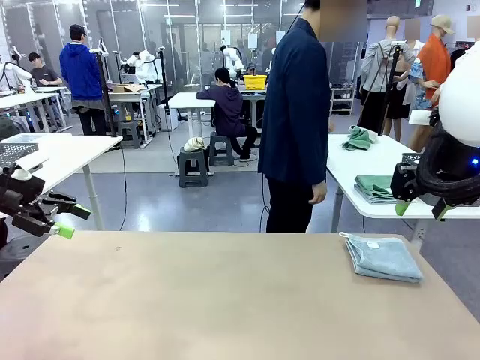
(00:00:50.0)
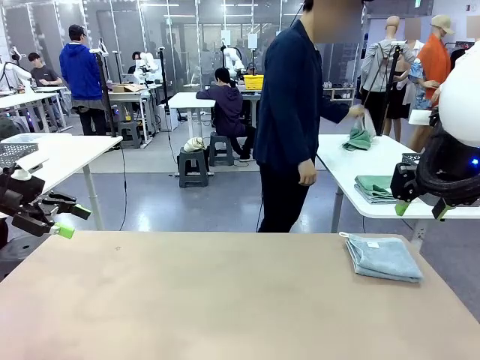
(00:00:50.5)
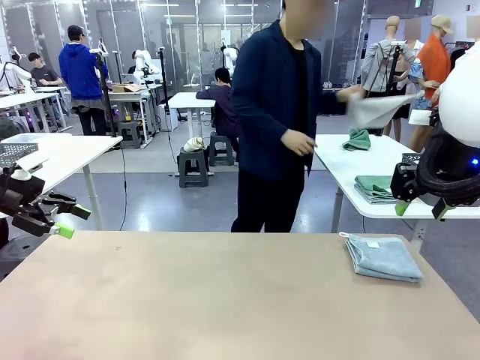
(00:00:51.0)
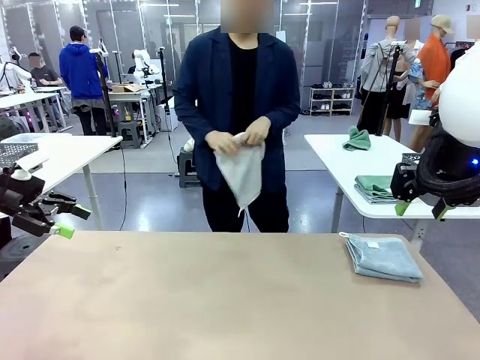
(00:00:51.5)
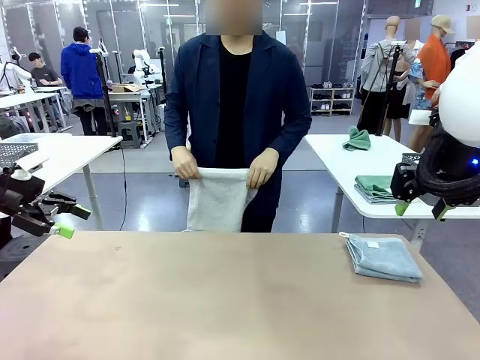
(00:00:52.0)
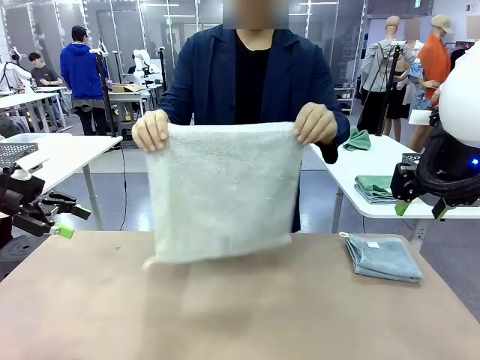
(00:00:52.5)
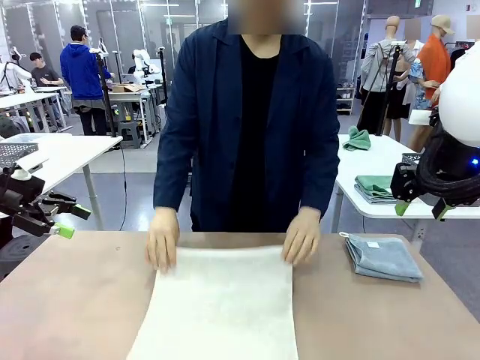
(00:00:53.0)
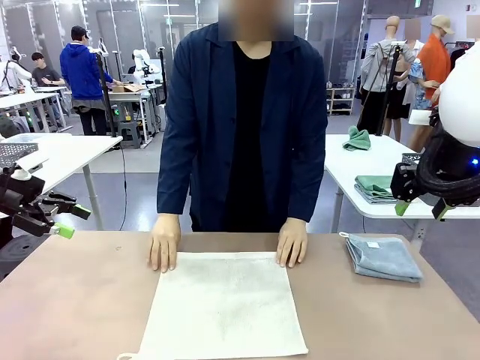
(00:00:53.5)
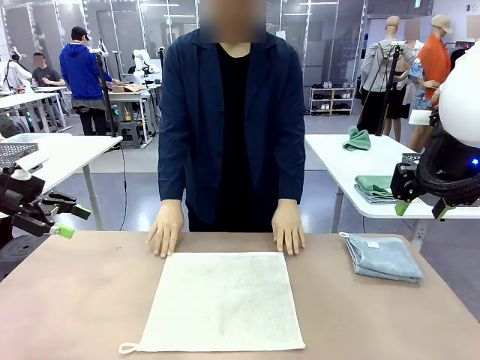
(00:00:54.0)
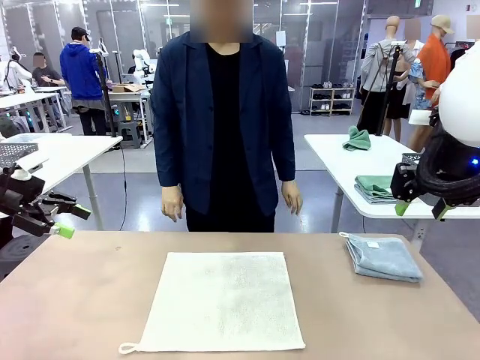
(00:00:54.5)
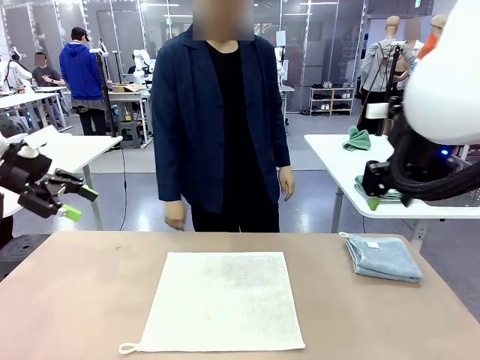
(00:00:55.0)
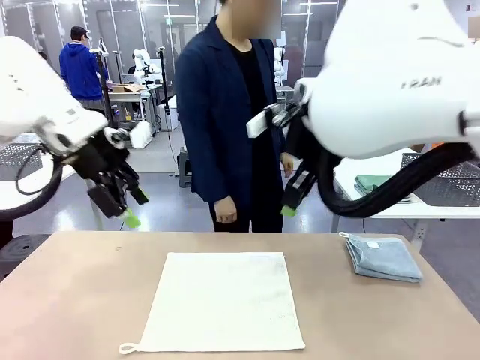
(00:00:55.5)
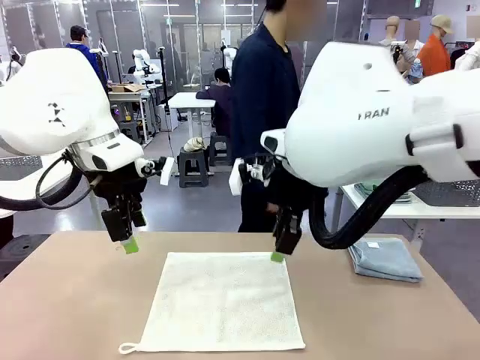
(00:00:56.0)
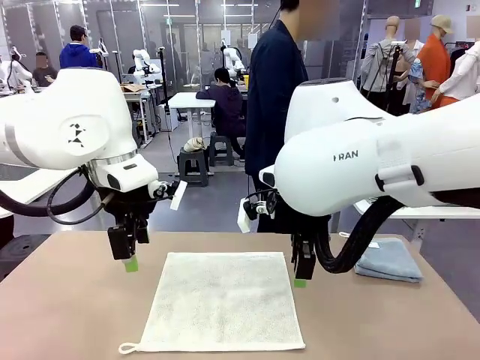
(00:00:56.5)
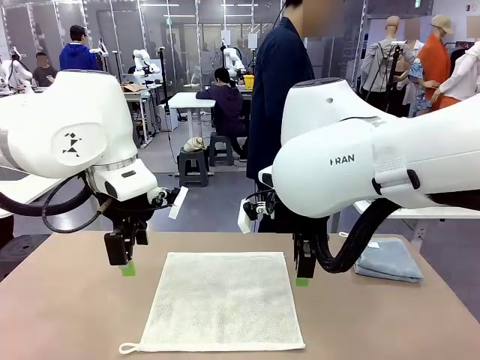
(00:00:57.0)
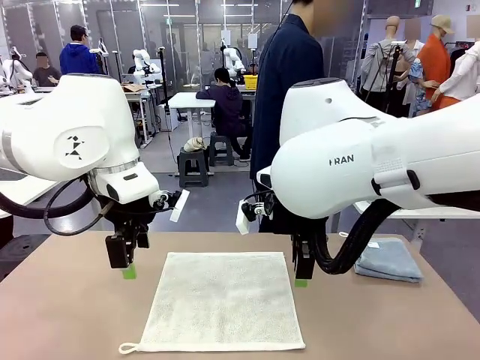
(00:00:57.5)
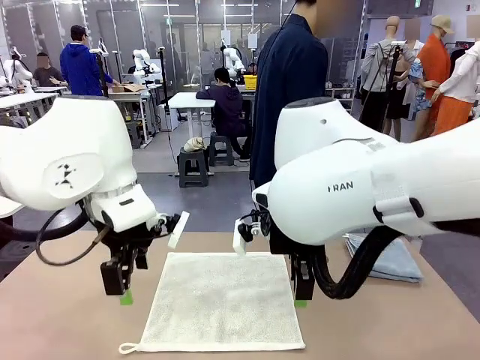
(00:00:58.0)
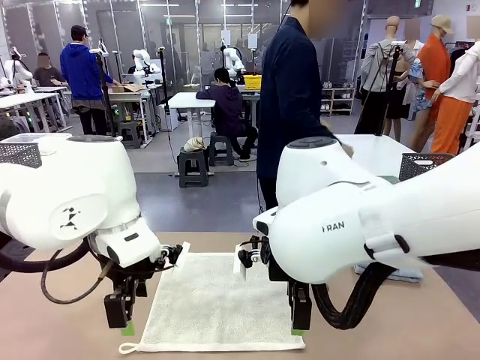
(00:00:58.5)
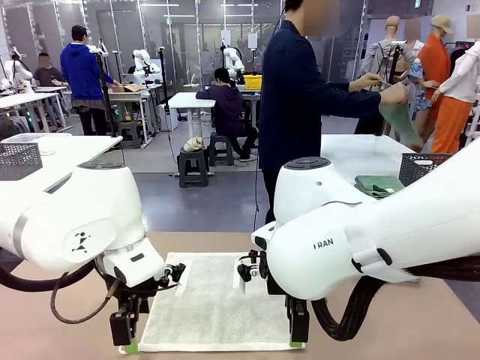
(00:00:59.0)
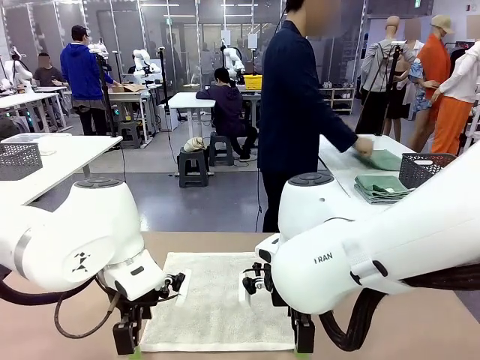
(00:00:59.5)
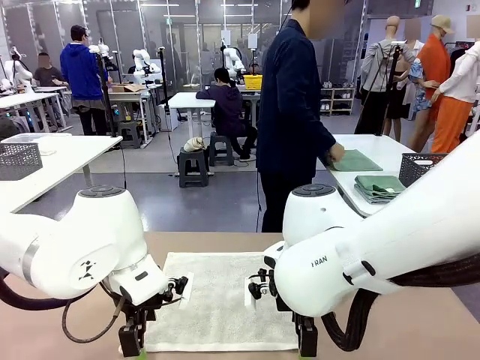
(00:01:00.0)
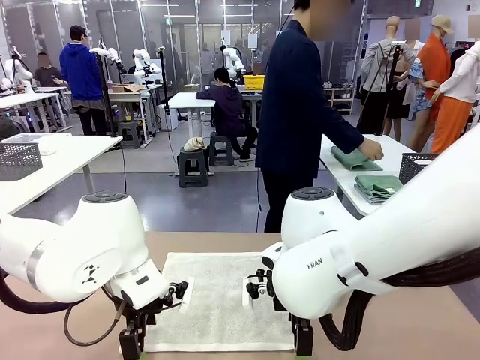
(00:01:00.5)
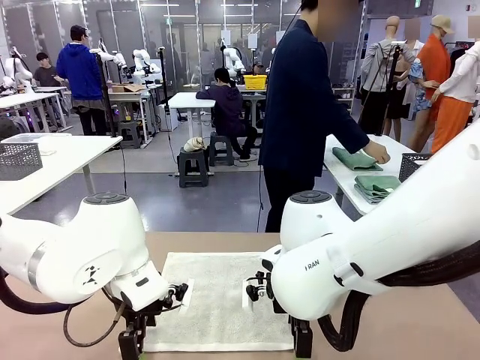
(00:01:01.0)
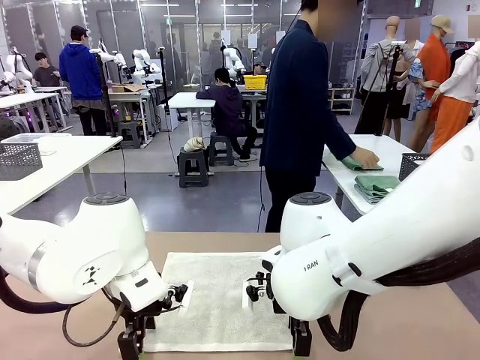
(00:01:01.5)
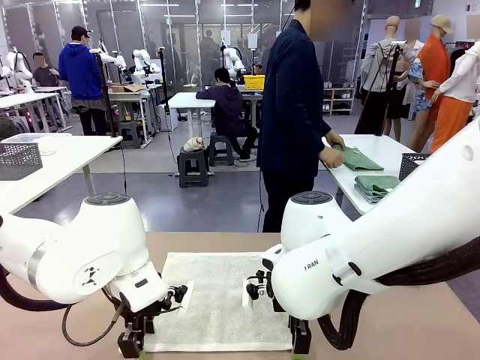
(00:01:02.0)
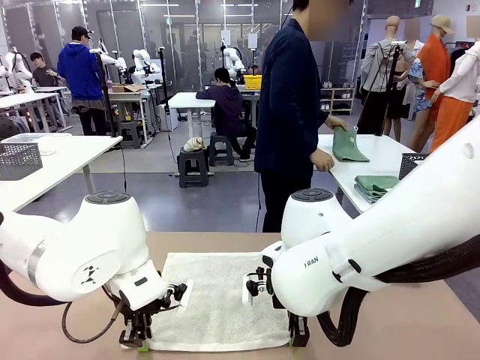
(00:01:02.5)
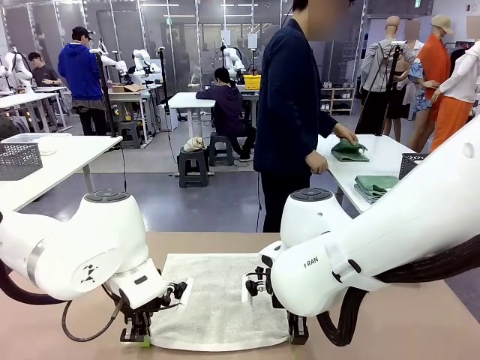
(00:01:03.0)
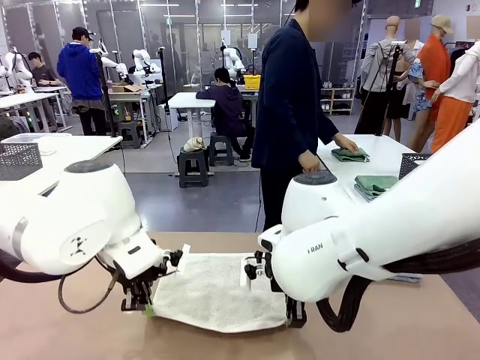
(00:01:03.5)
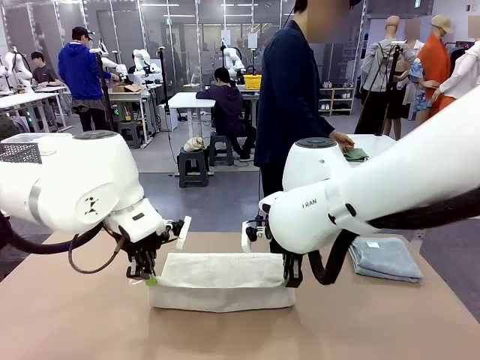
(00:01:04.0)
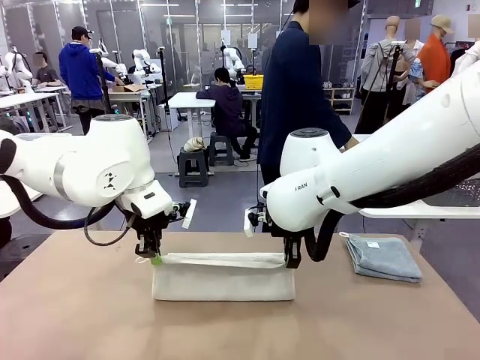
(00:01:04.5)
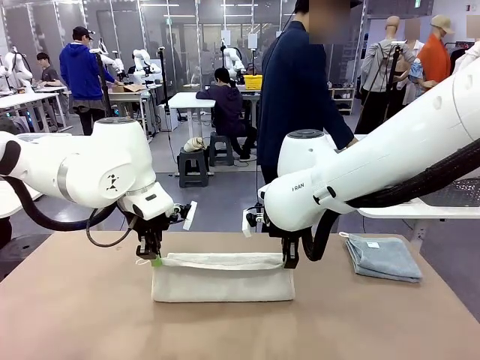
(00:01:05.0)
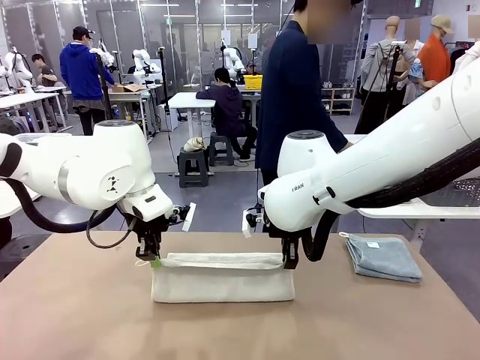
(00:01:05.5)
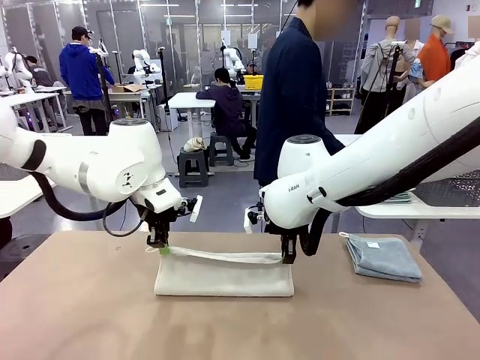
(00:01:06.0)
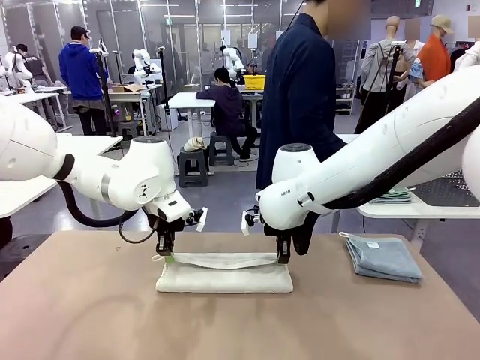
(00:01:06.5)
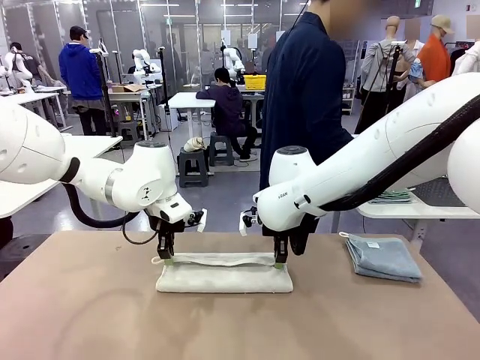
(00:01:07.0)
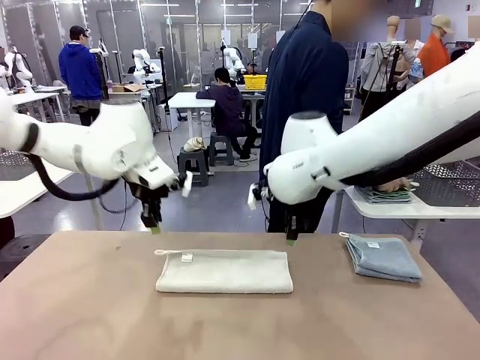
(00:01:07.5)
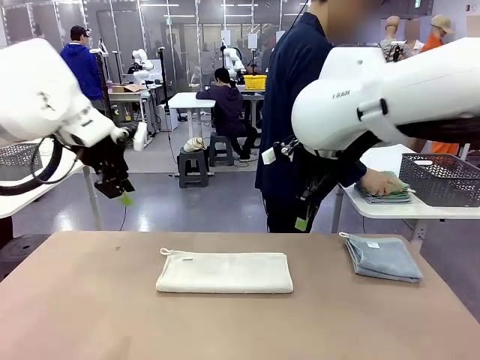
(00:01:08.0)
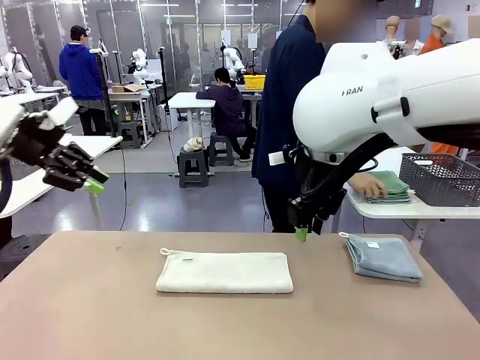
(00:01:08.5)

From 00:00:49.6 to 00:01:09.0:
Task: Fold the towels and place them in the basket.
Robot: When a person lays out a Towel with hook on the table, fold it in half twice.
Person: Pick up one towel from the left side of the human table and spread it out at the center of the robot table. Pick up one towel from the left side of the human table, fold it in half twice, and stack it on the right side of the table.

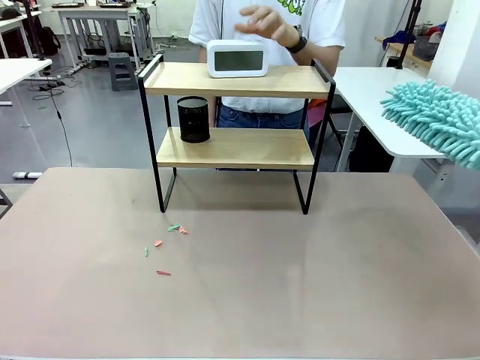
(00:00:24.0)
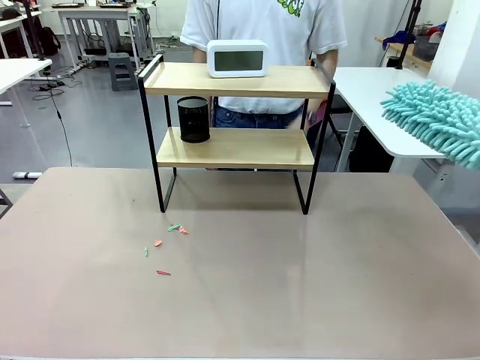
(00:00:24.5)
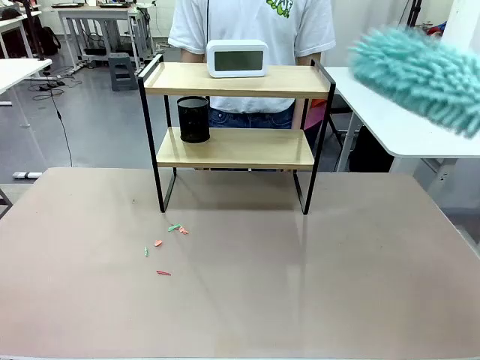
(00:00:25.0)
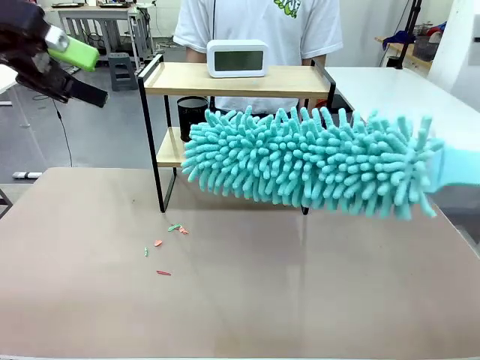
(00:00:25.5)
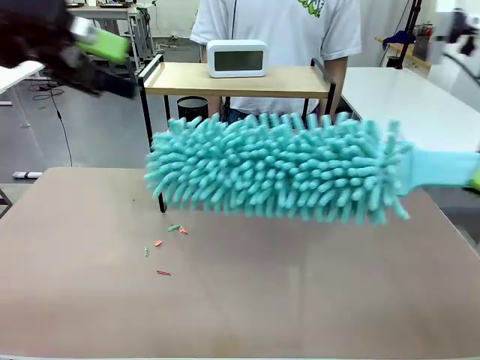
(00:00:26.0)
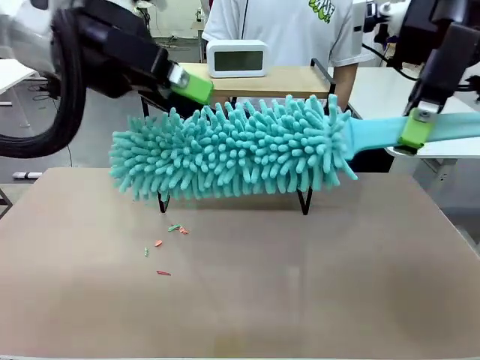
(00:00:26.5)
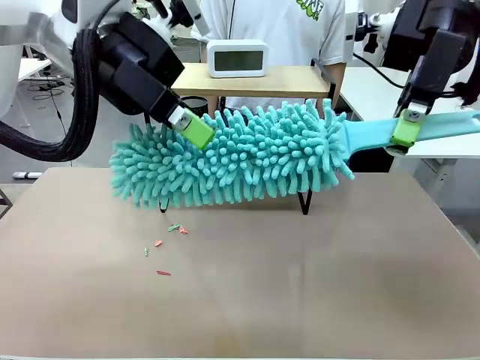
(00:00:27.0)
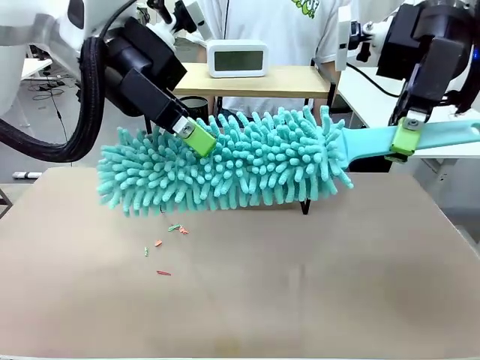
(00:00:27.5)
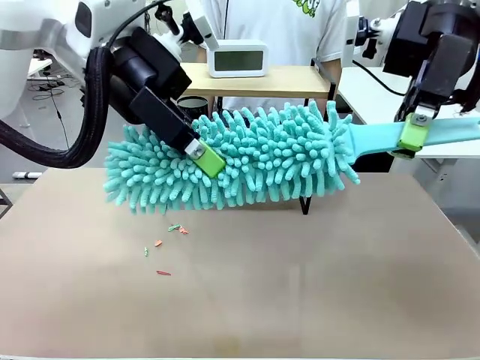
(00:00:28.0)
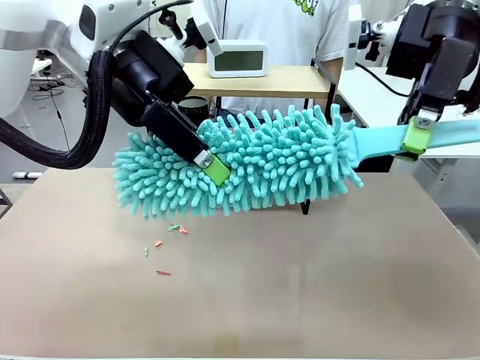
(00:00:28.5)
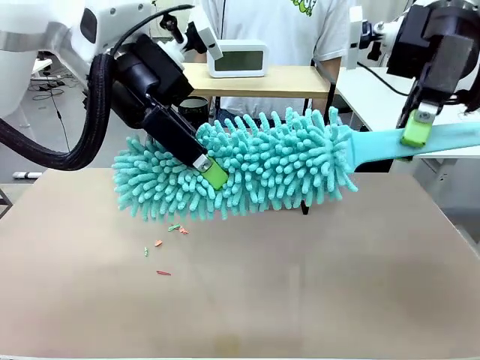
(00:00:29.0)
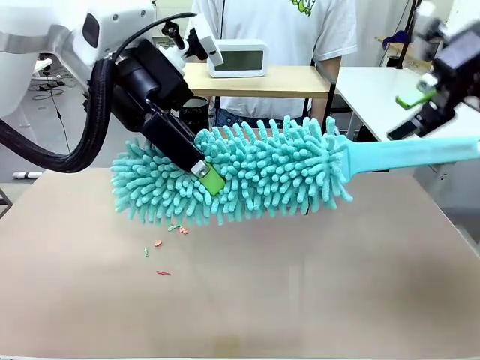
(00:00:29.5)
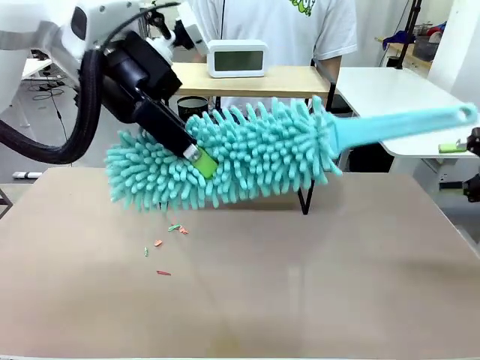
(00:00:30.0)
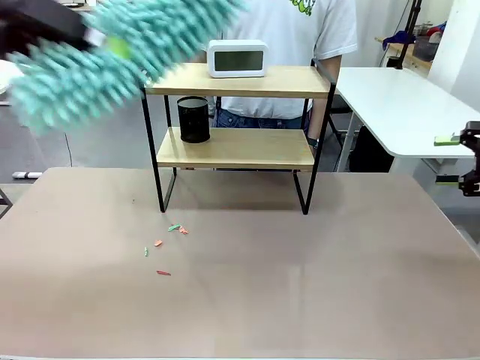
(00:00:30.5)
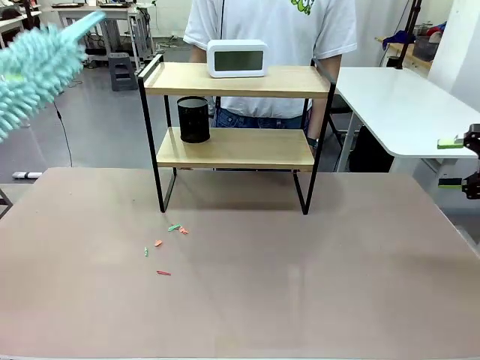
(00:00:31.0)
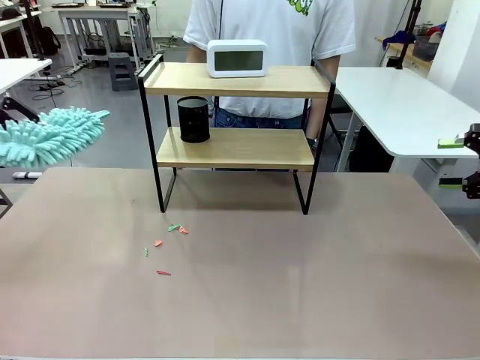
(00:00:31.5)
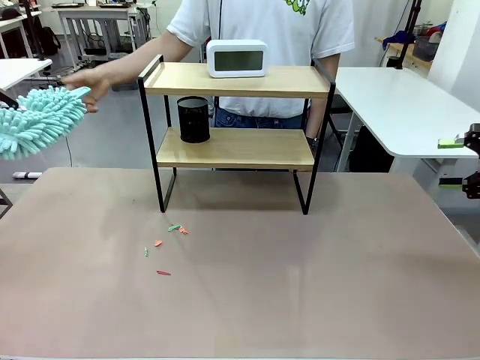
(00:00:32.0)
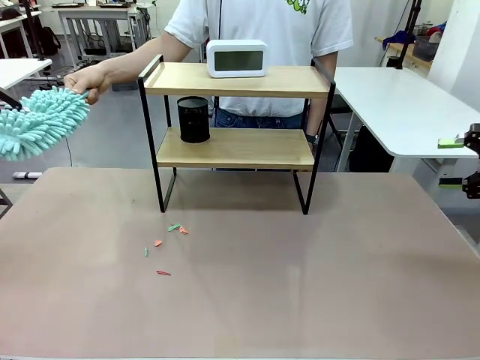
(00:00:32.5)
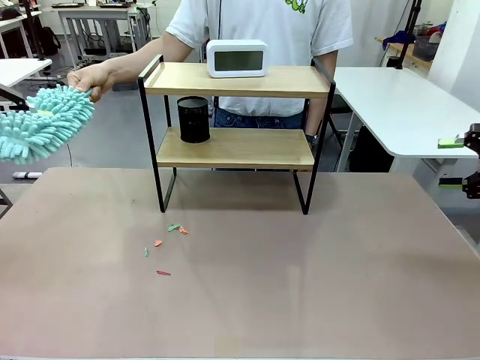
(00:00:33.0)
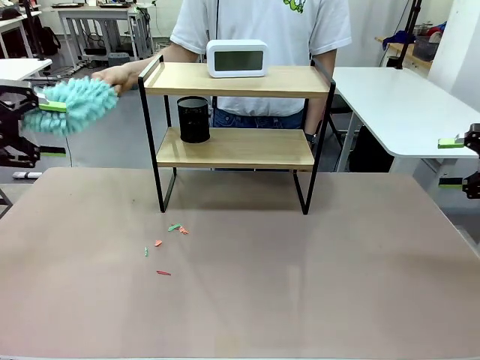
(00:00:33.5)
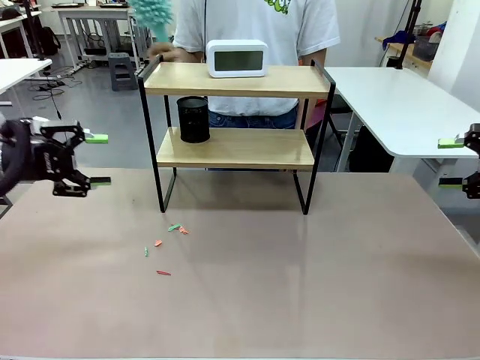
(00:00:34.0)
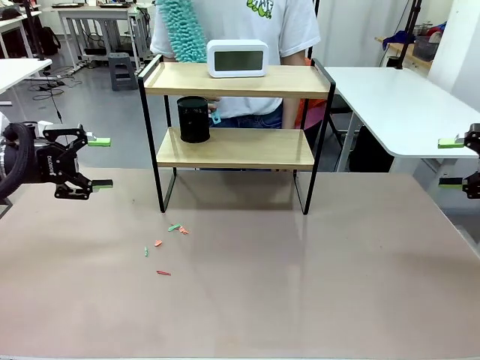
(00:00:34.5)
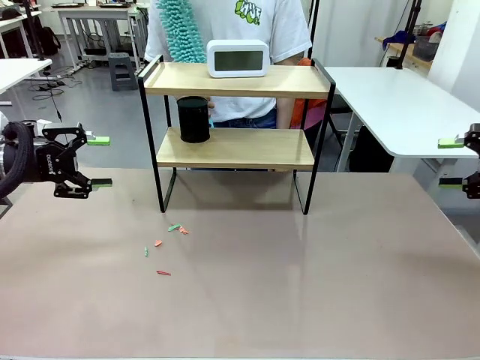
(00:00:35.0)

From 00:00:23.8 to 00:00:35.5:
Task: Clean the shelf.
Robot: Hand the Duster back to the human.
Person: Receive the Duster from the robot.
